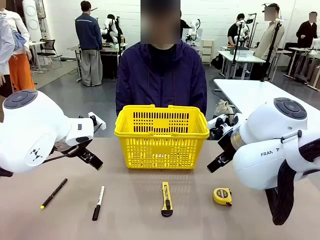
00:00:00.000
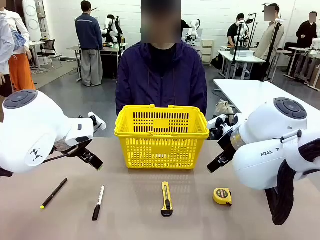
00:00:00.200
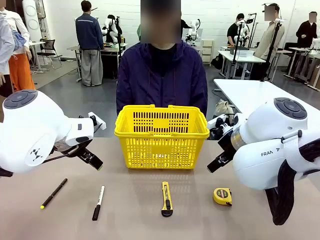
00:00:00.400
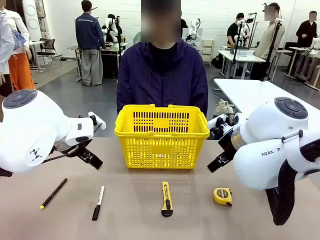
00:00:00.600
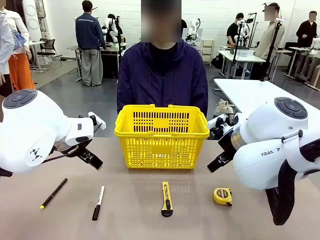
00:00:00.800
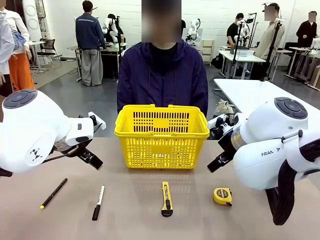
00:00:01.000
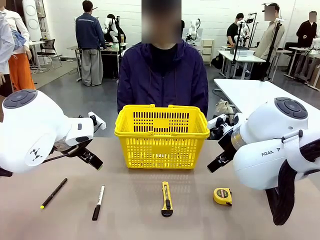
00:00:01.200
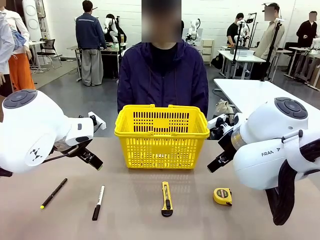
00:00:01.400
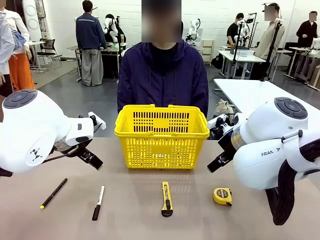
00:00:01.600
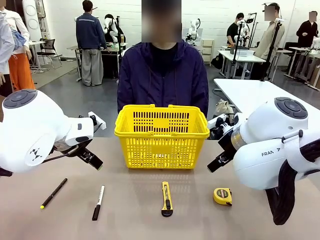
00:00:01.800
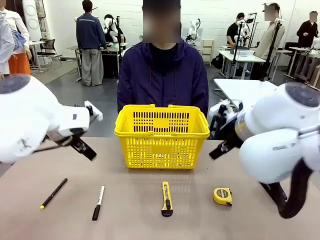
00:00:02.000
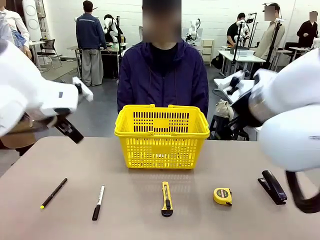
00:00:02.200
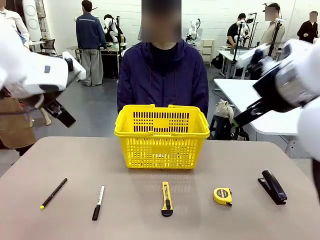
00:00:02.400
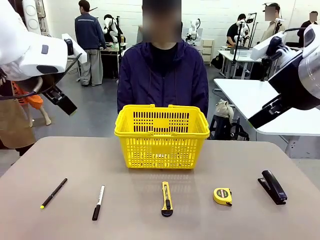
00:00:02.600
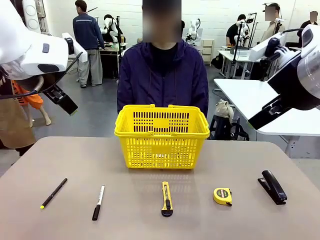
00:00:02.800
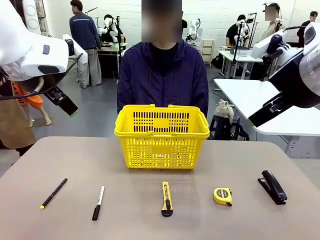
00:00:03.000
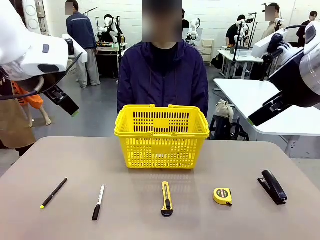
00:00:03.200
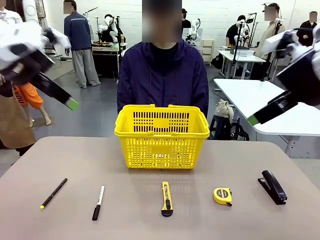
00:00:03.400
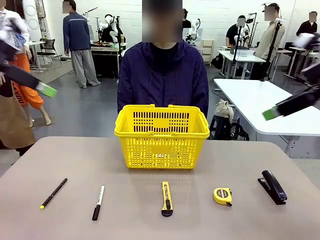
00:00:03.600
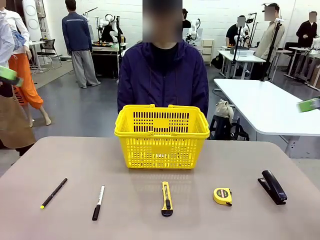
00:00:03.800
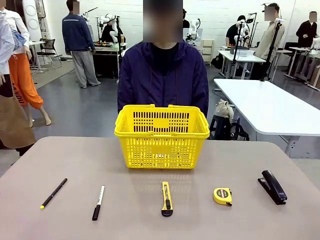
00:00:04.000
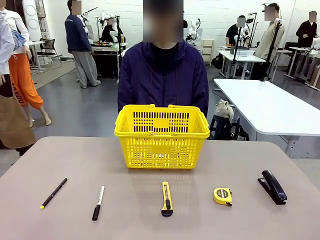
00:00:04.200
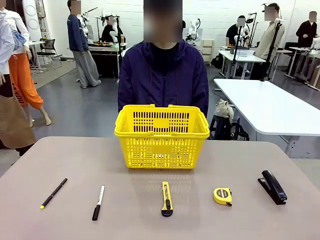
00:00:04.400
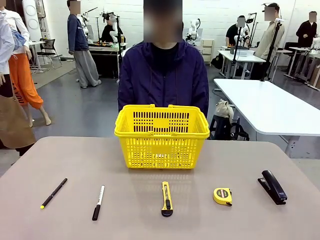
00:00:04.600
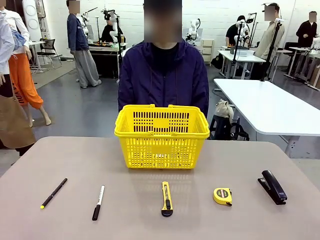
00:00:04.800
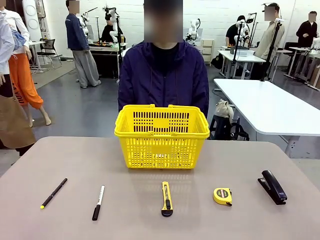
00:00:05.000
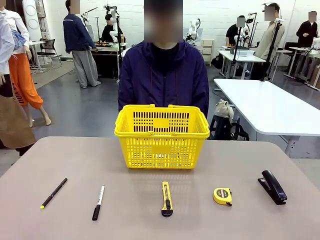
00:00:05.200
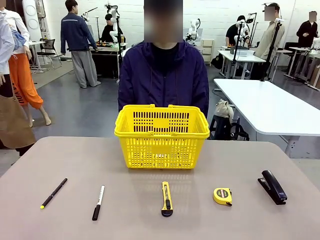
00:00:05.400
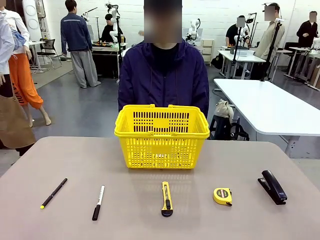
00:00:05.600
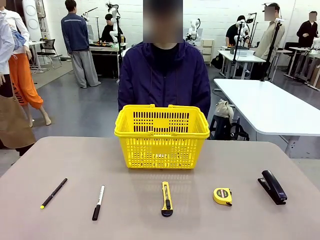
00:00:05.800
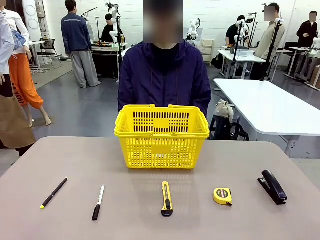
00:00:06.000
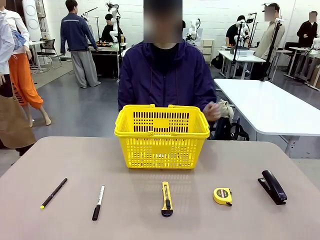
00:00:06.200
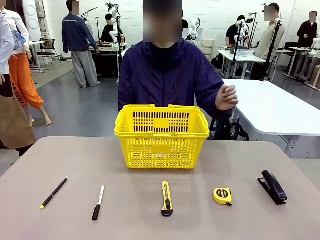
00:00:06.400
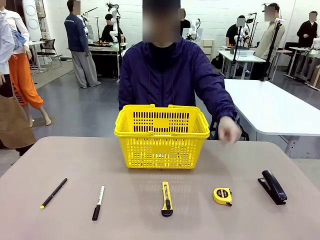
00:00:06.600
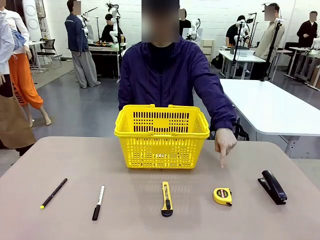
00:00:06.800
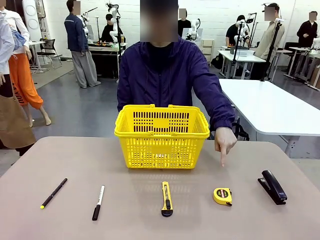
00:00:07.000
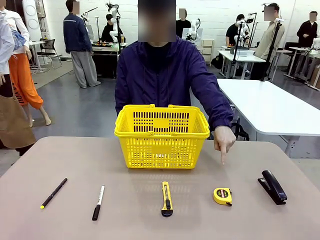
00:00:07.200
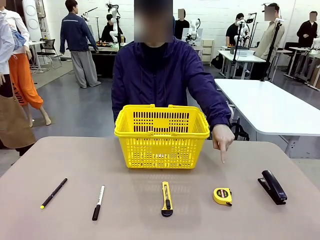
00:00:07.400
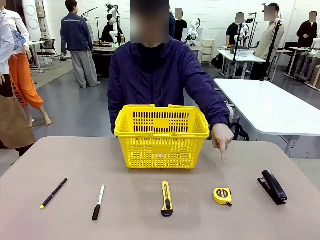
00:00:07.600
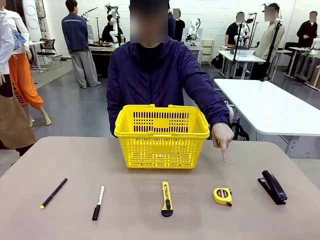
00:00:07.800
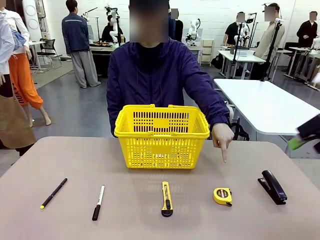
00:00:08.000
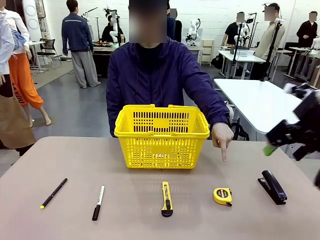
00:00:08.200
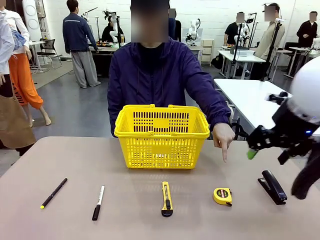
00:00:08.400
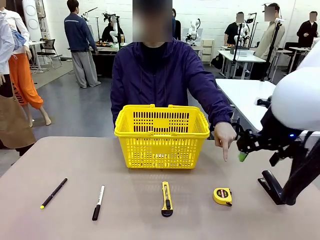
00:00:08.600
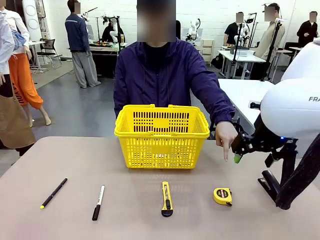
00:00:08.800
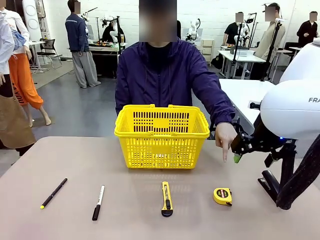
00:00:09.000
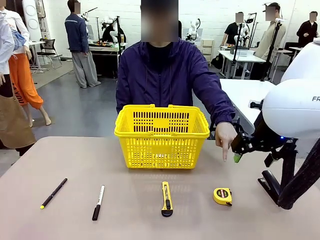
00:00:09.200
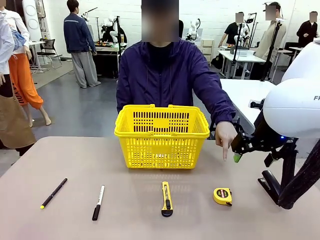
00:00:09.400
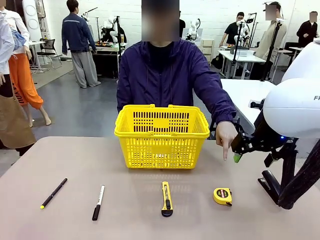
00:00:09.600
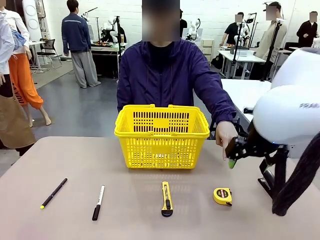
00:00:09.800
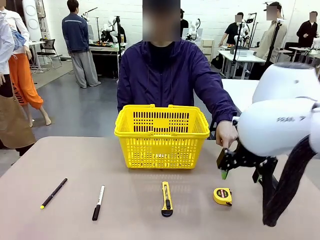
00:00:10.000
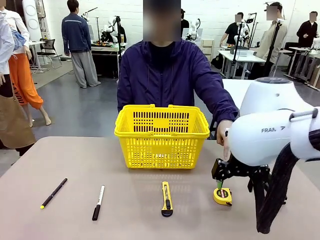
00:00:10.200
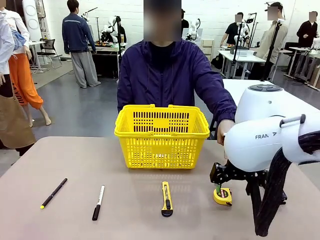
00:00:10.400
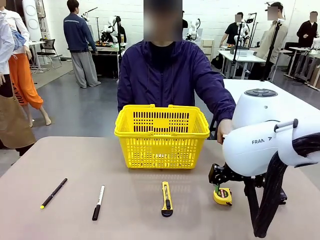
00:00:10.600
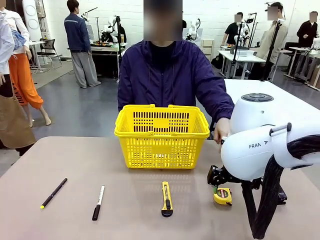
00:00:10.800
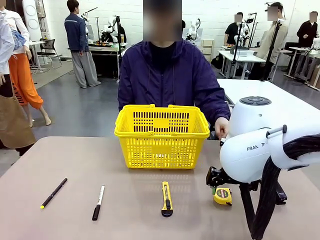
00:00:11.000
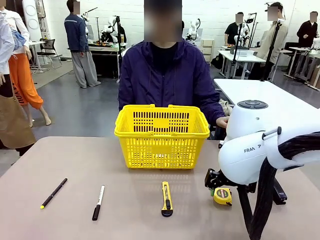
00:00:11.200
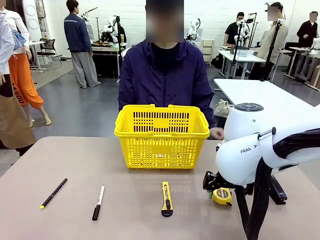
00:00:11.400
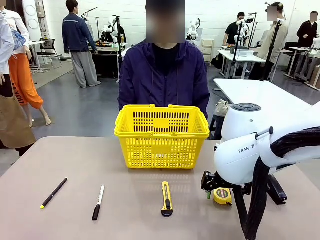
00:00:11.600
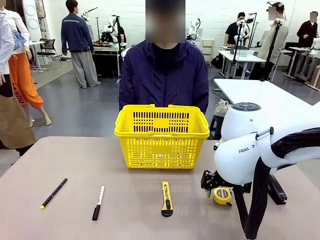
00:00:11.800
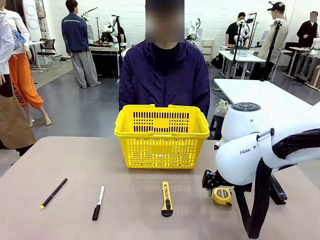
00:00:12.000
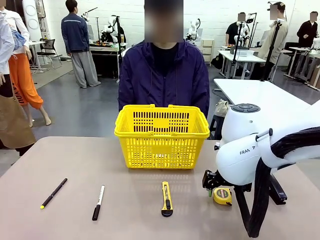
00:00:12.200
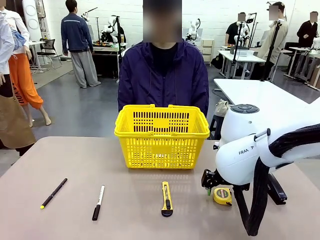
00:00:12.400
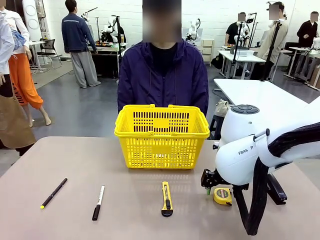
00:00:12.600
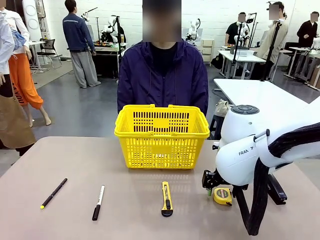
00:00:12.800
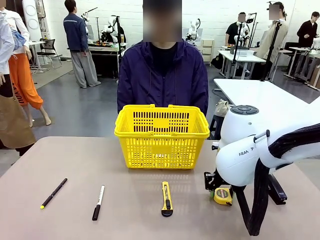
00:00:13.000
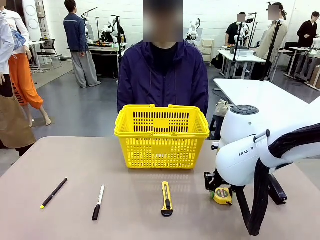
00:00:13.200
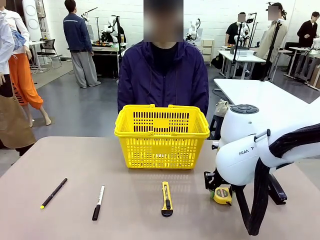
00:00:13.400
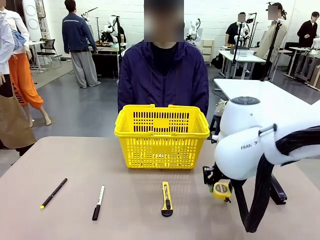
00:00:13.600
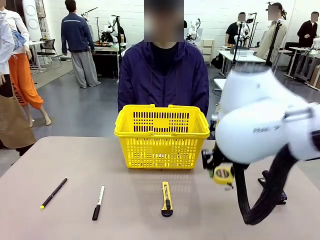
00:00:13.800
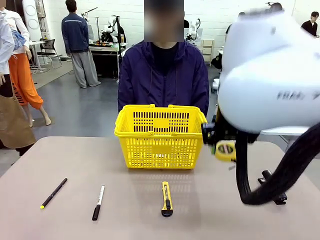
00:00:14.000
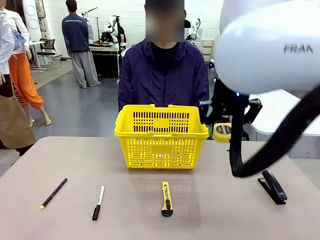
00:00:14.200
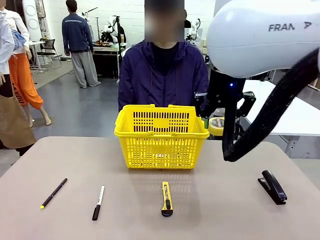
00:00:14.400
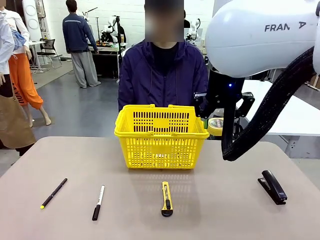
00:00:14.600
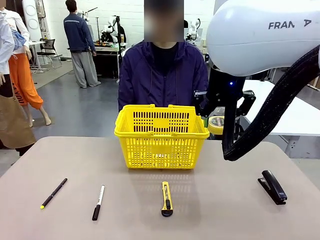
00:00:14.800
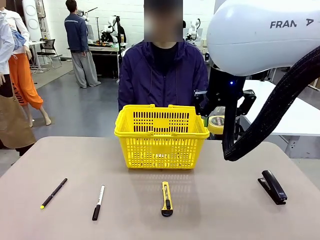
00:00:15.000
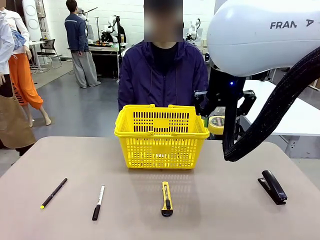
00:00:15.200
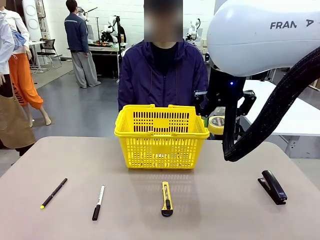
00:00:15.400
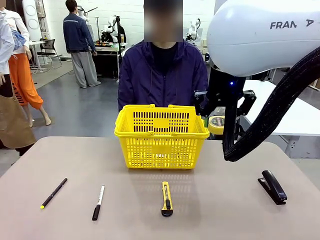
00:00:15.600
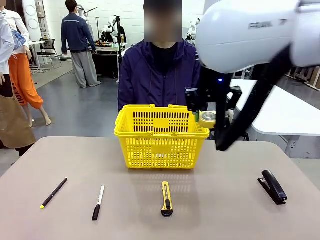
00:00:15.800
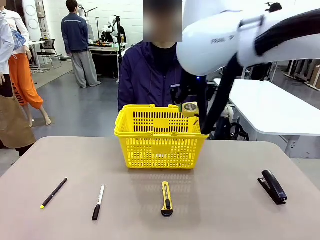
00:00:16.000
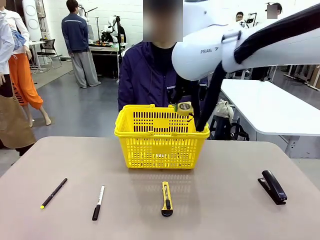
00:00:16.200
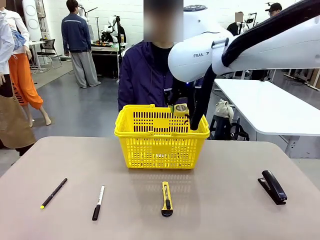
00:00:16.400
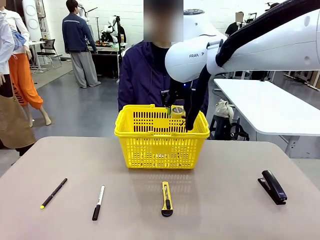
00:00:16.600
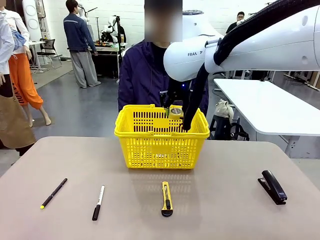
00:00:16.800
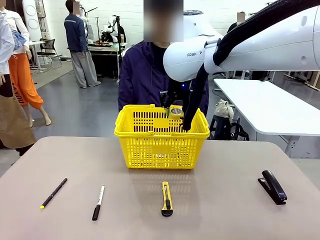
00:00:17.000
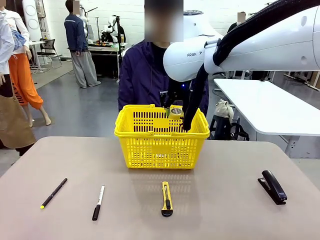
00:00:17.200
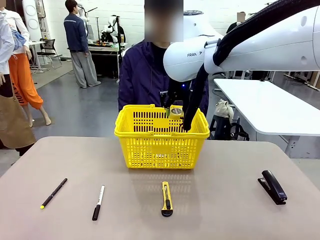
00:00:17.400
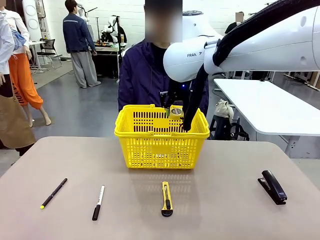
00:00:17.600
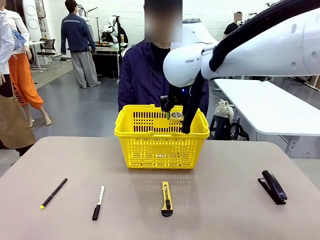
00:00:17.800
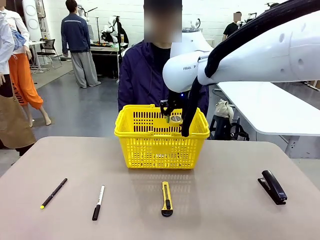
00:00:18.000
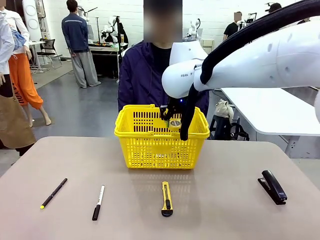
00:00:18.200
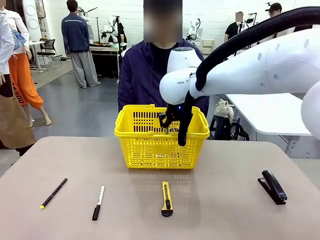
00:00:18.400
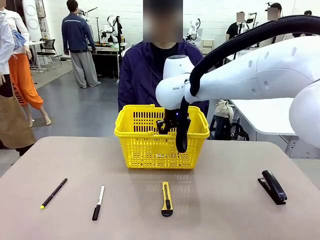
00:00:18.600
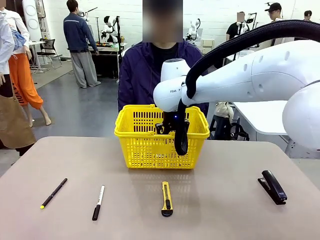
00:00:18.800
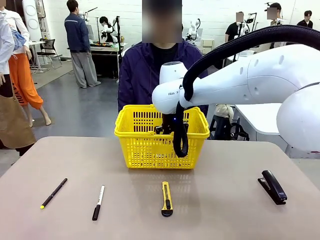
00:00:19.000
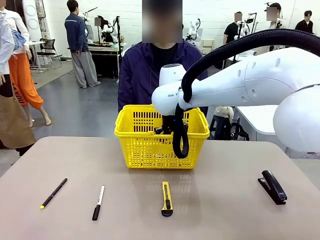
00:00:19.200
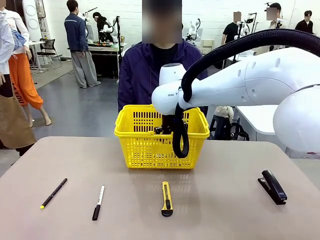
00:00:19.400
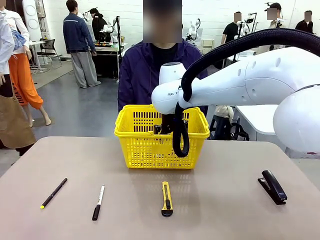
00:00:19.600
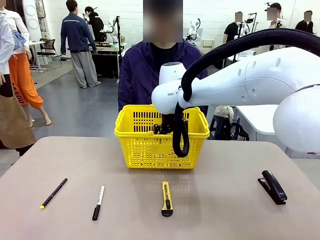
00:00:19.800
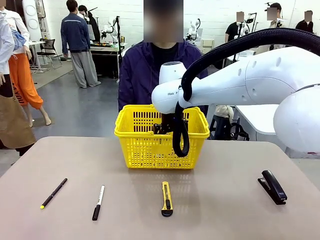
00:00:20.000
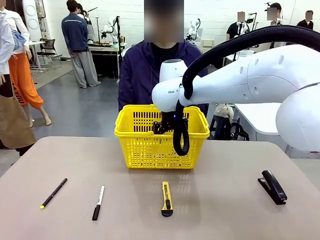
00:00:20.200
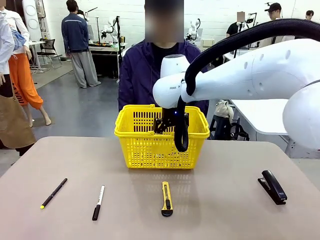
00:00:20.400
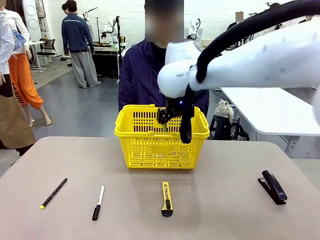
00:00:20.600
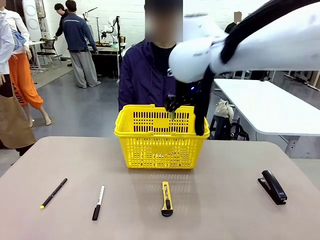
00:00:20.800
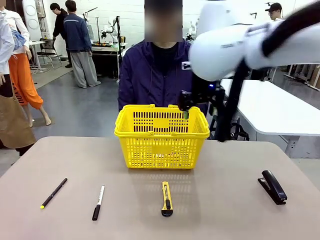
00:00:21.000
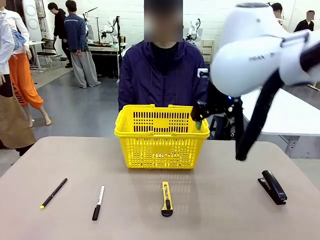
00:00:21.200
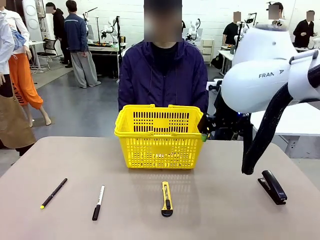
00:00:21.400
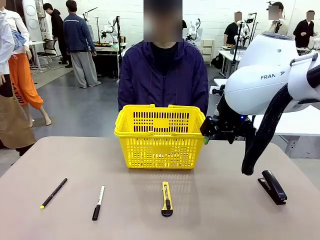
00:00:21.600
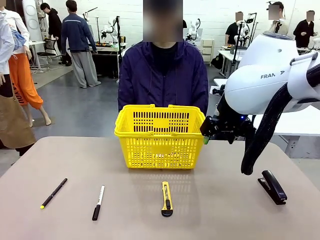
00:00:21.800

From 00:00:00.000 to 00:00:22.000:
Task: Place the items the person wants into the basket.
Robot: Pick up the item the person points to and place it in the Market Basket.
